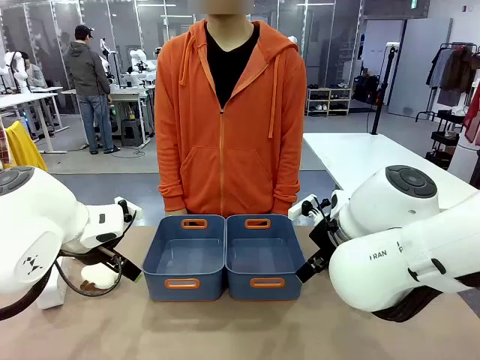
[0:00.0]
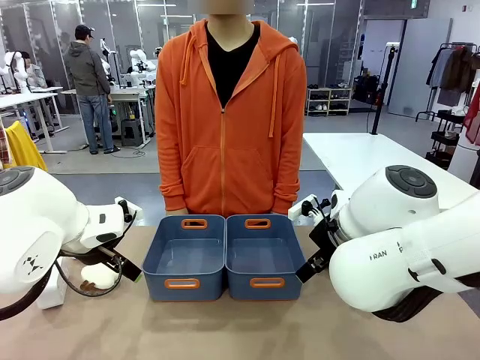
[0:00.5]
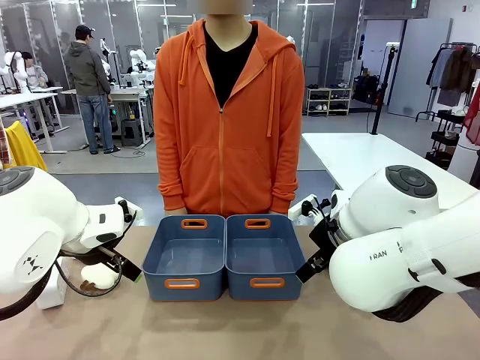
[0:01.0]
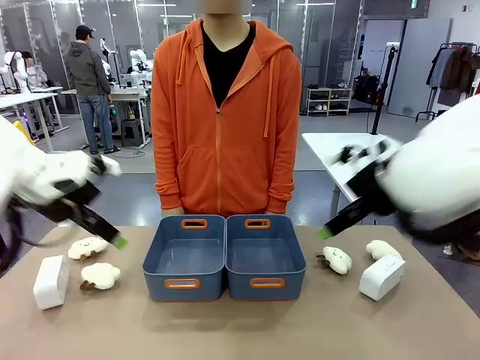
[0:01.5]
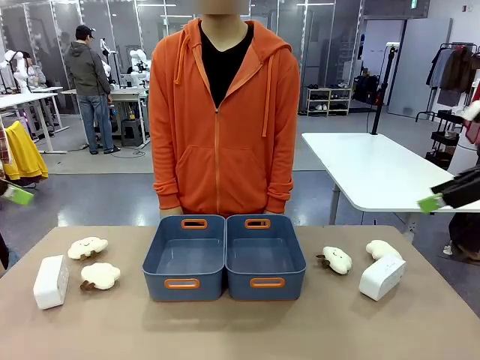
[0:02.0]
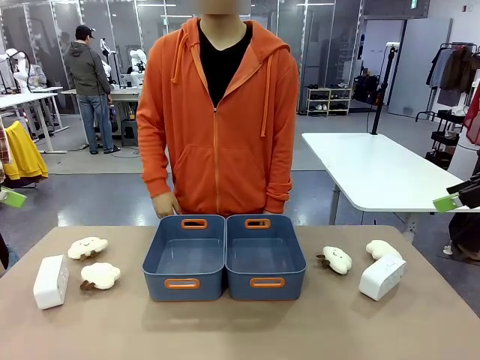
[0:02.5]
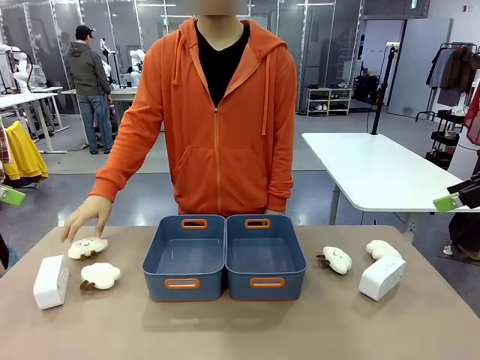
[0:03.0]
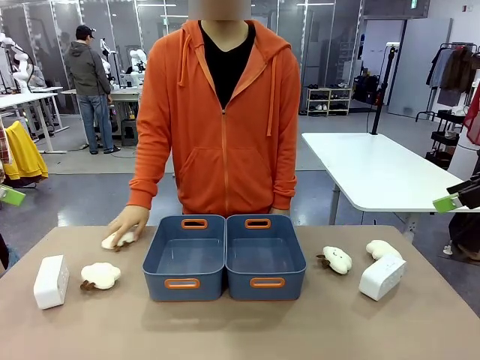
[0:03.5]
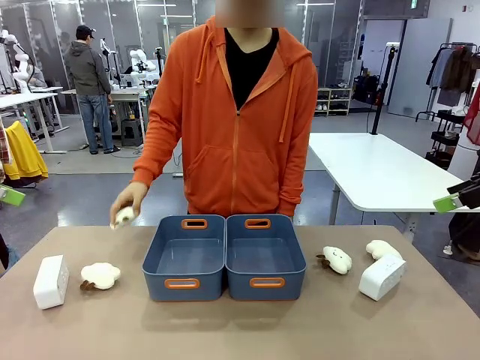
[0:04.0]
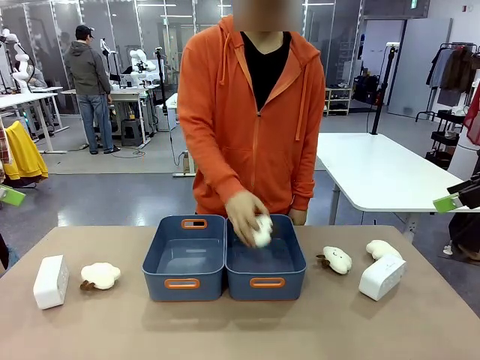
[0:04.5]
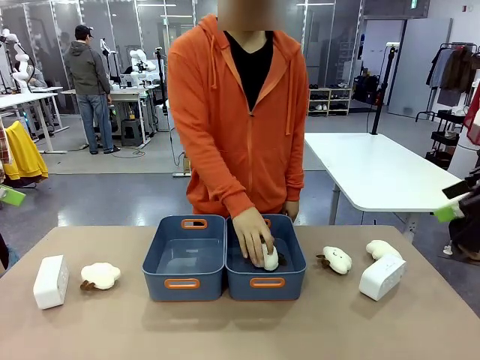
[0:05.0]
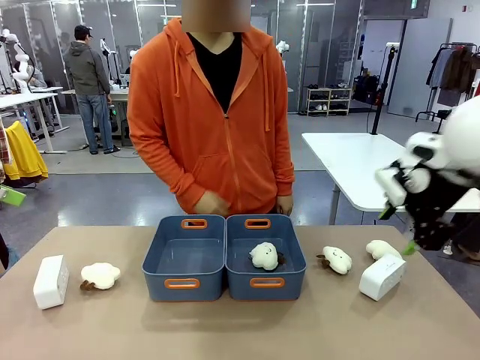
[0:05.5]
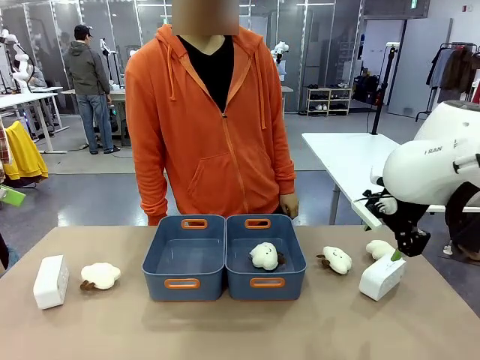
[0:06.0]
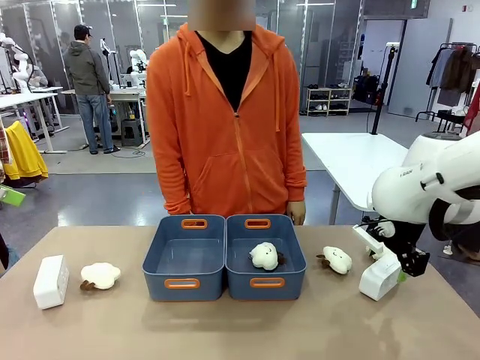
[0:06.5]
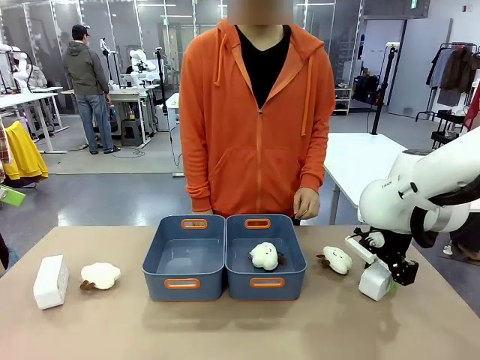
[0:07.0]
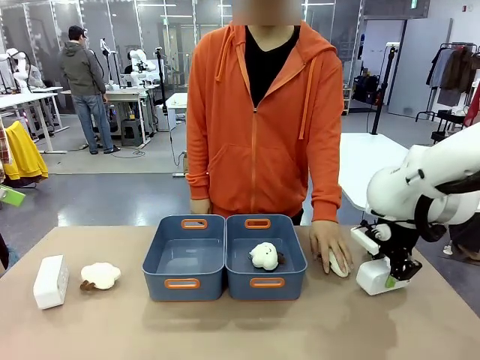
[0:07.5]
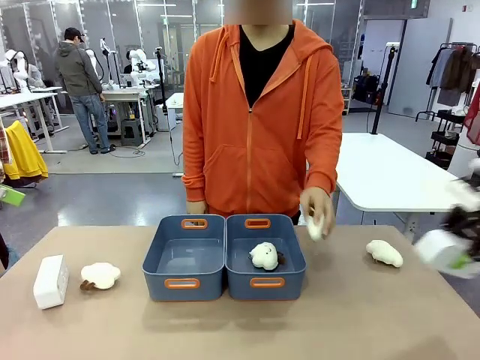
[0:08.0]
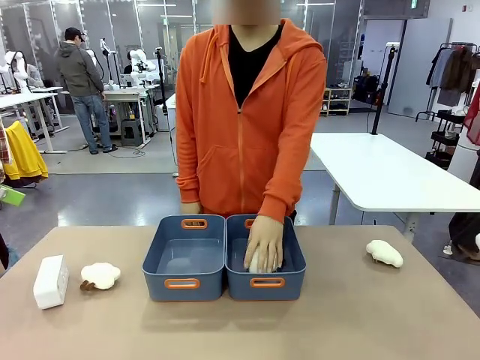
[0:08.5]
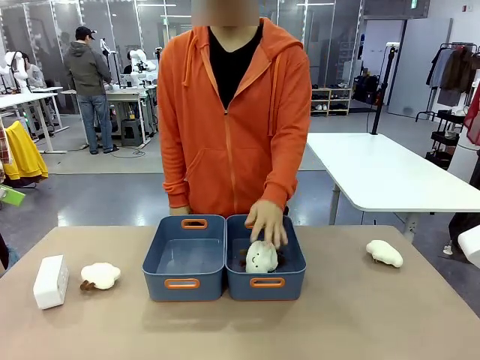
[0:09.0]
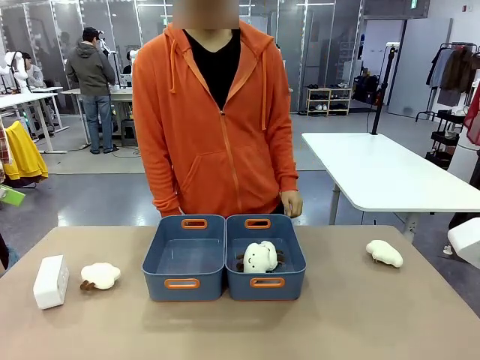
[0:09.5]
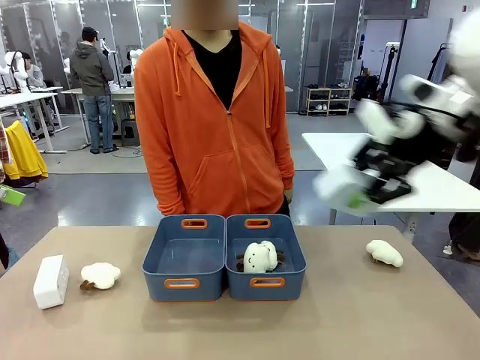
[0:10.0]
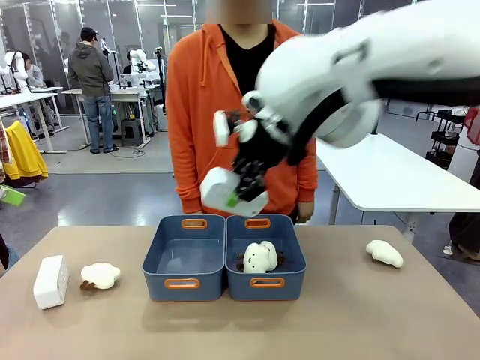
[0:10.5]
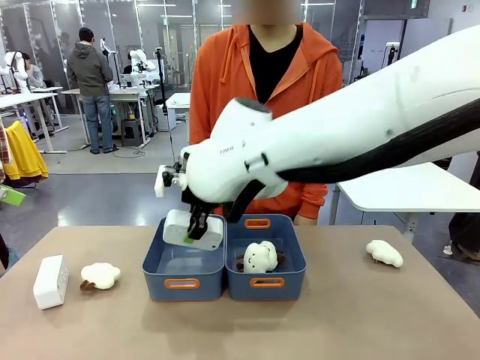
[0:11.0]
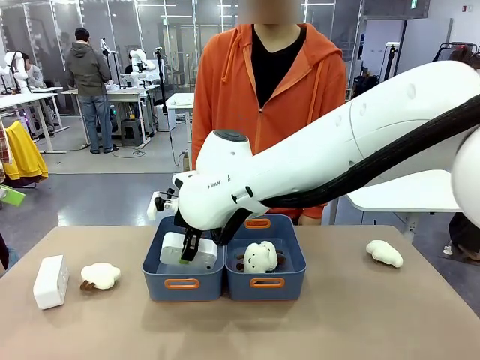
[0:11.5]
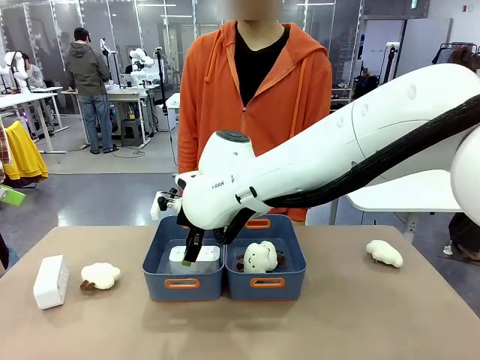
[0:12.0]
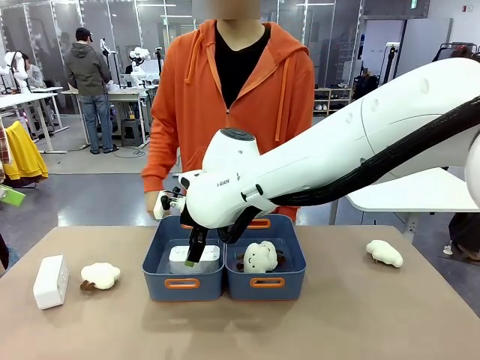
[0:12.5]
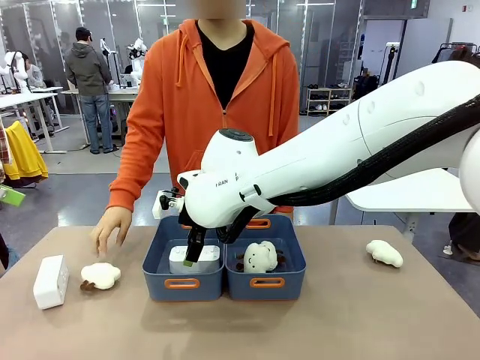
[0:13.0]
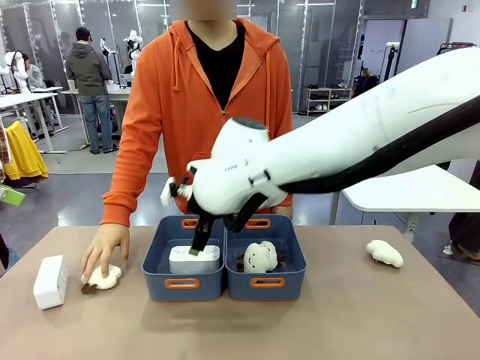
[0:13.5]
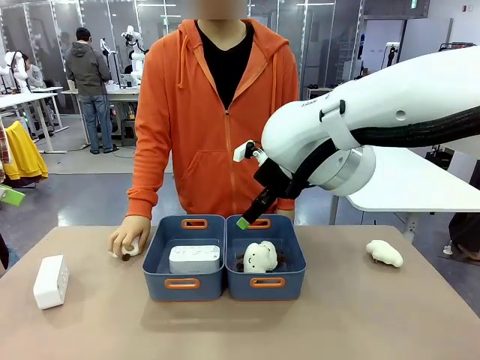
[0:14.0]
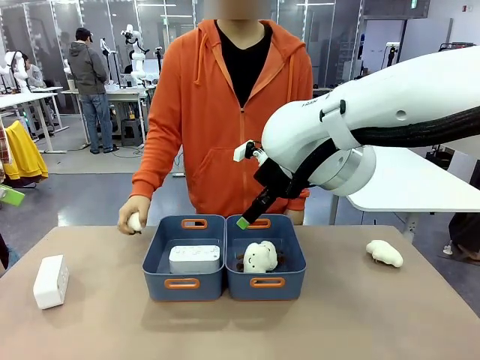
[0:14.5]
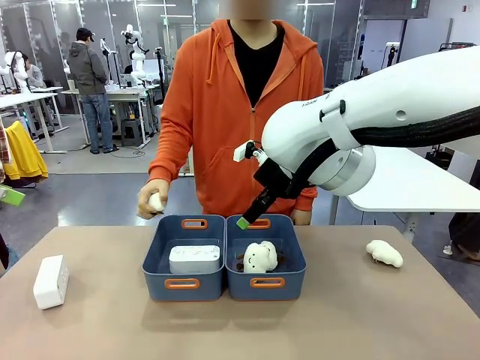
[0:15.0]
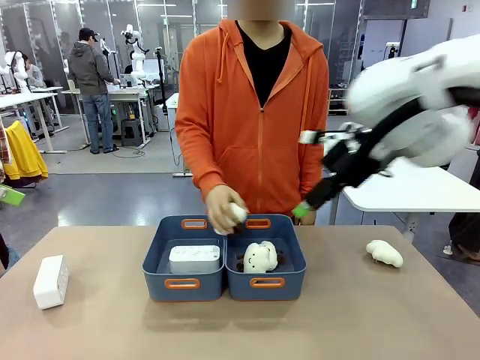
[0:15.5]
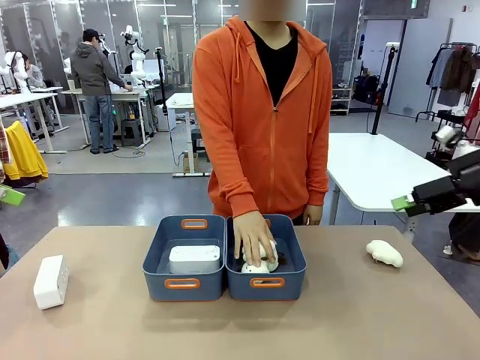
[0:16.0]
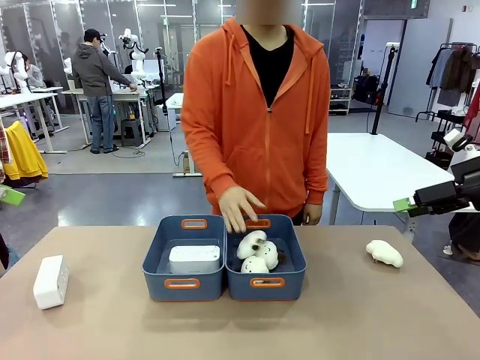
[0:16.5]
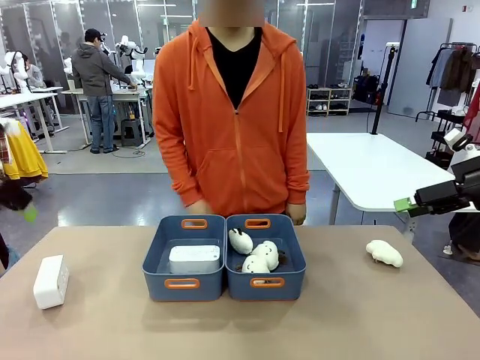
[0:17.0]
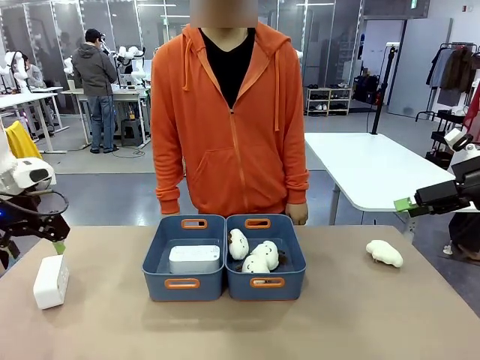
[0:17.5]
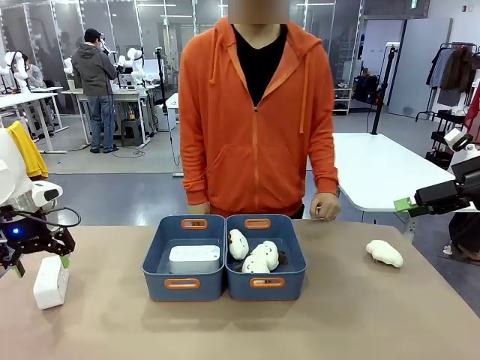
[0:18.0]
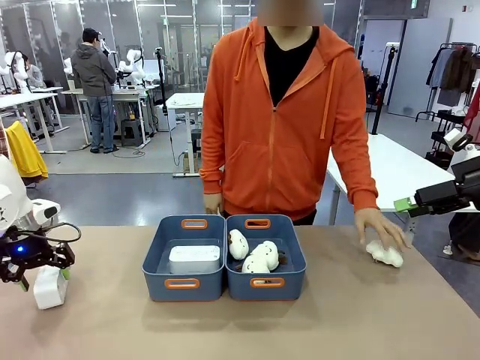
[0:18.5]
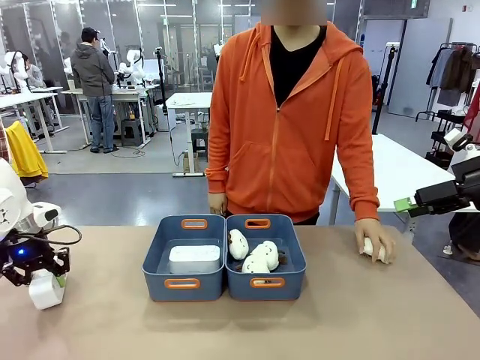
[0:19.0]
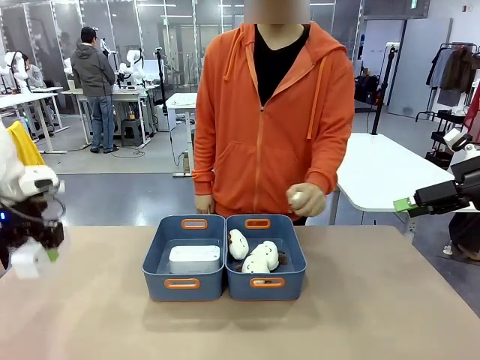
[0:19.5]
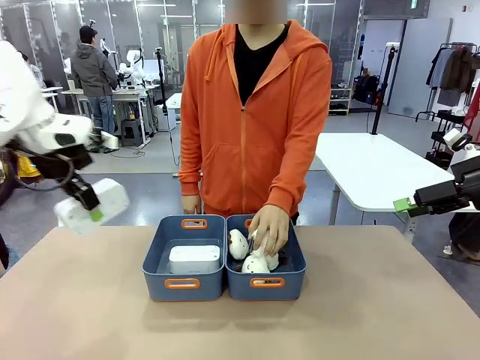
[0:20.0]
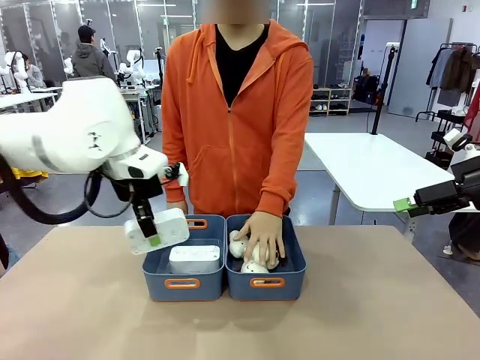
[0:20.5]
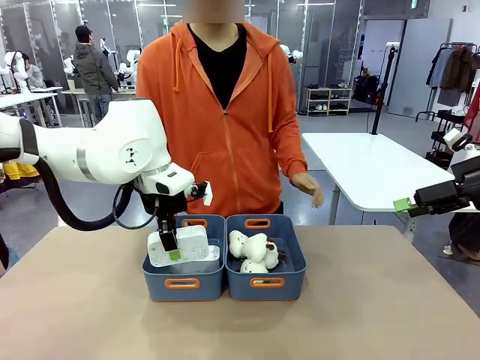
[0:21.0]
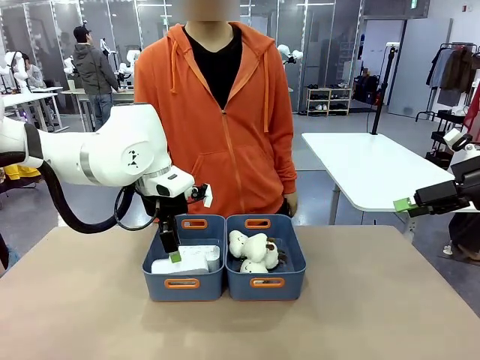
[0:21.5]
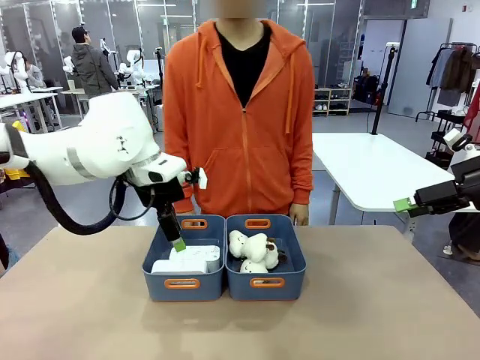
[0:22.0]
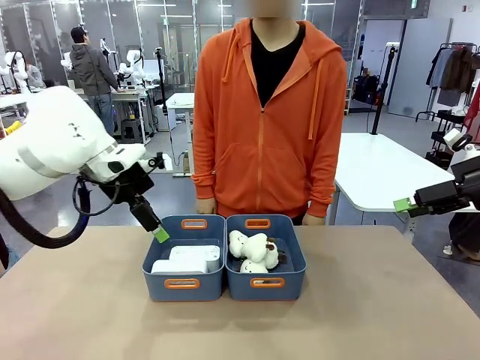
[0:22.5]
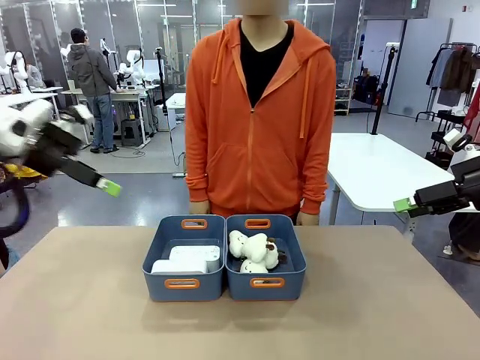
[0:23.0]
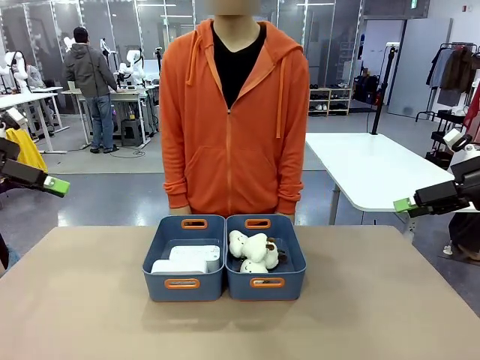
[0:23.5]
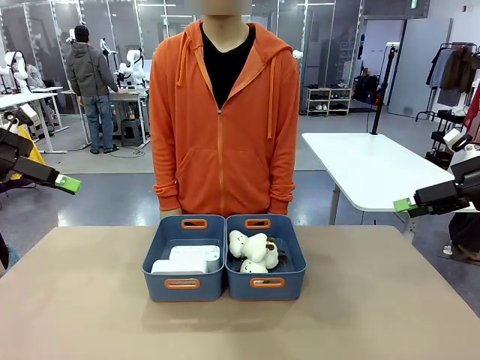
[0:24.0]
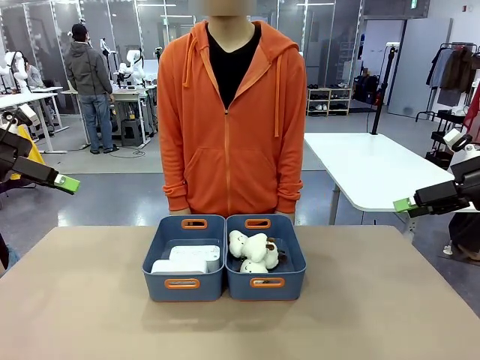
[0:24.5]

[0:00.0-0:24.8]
Task: Sort the digital clocks into the basket.
Robot: Pick up the Digital clock from the table and place it into the empty Plastic storage basket.
Person: Pick up a plush toy from the table and place it in a plastic storage basket. Pick up a plush toy from the table and place it in the plastic storage basket containing the plush toy.
